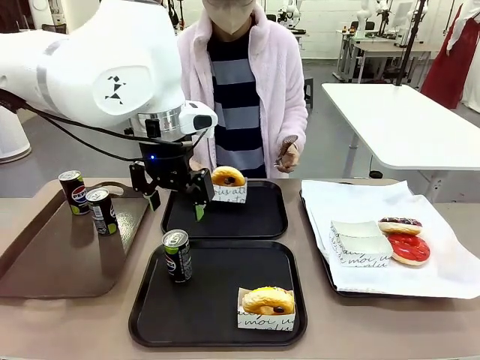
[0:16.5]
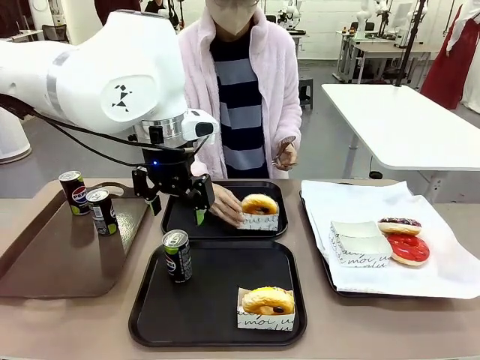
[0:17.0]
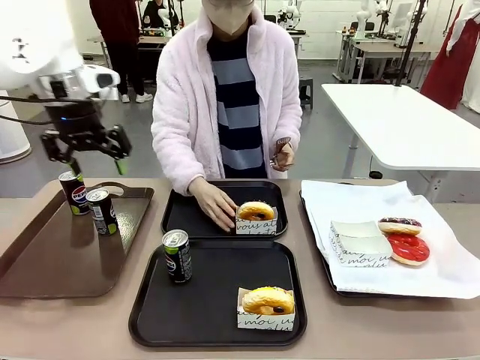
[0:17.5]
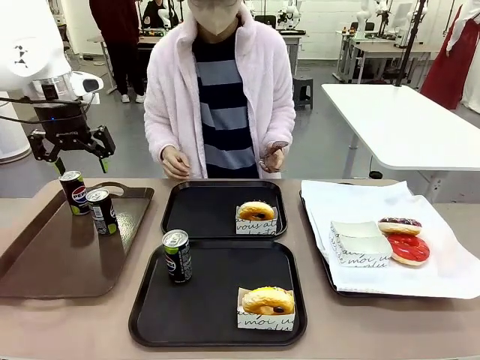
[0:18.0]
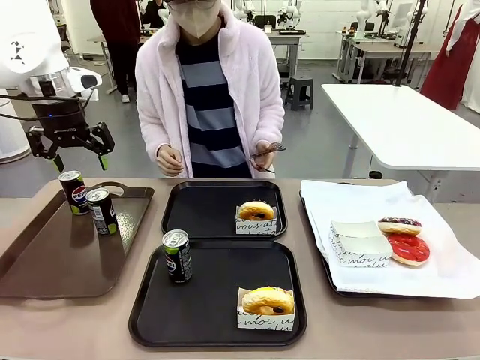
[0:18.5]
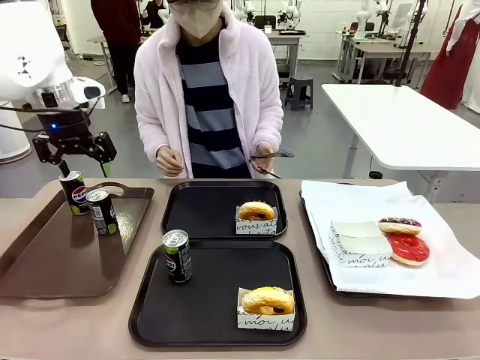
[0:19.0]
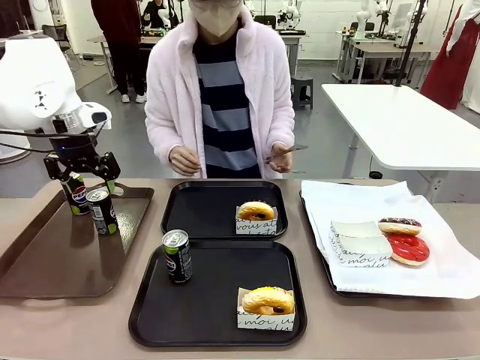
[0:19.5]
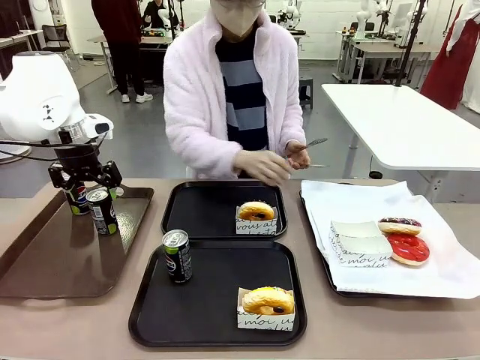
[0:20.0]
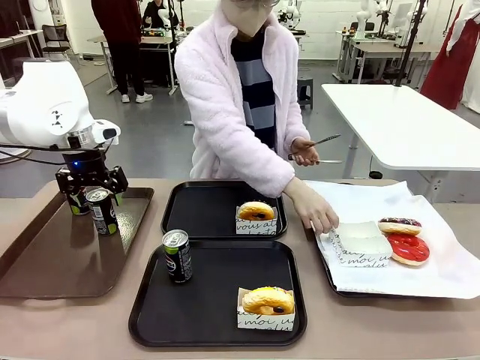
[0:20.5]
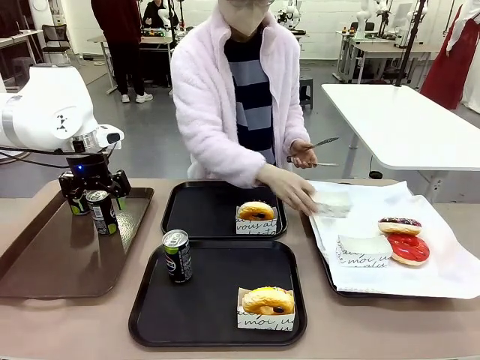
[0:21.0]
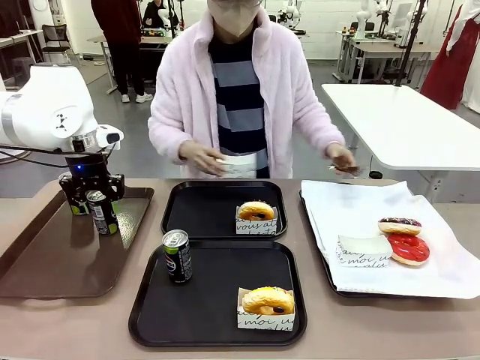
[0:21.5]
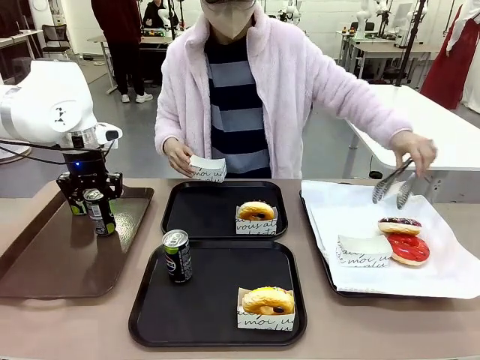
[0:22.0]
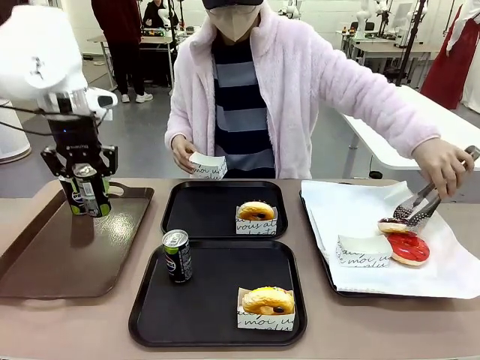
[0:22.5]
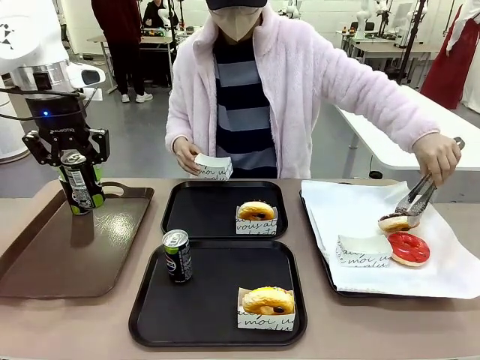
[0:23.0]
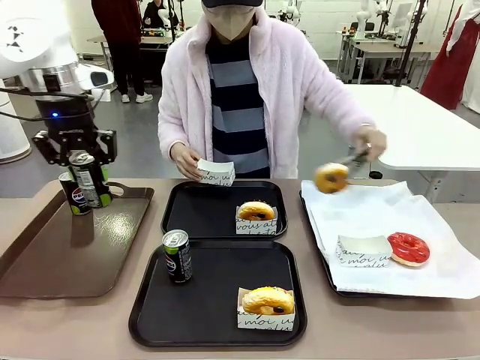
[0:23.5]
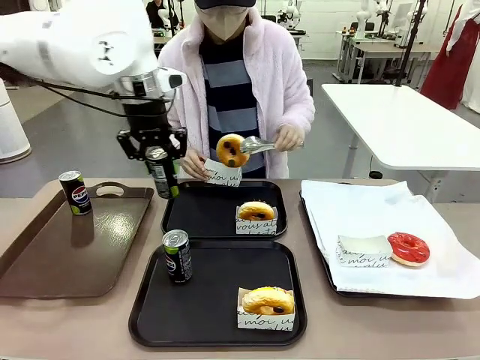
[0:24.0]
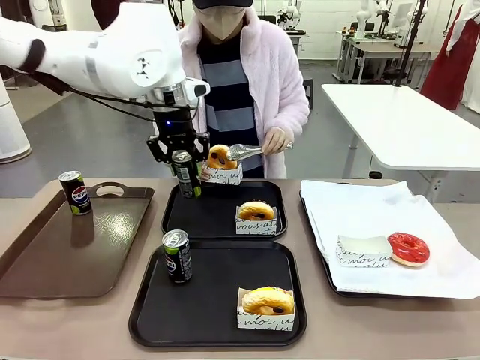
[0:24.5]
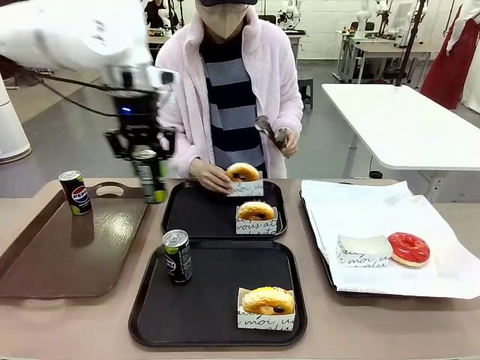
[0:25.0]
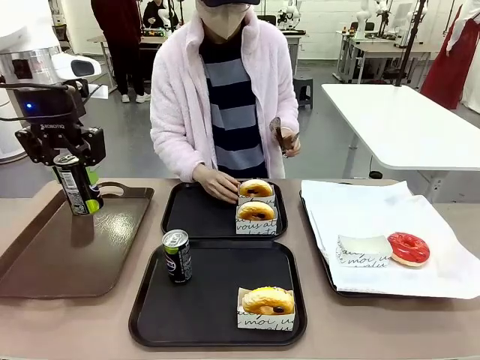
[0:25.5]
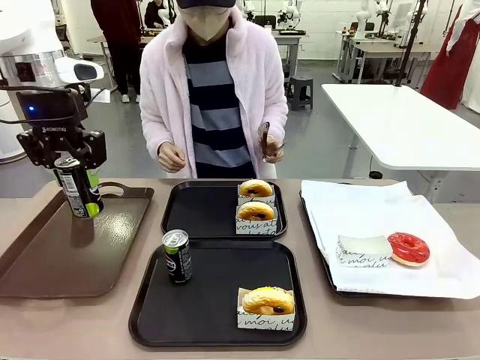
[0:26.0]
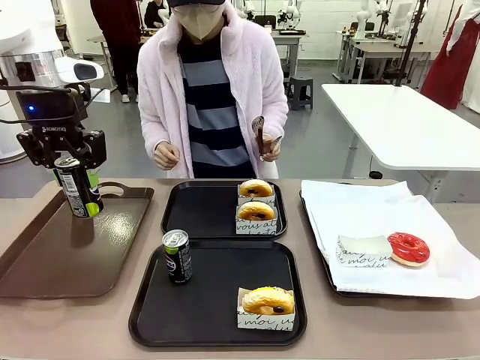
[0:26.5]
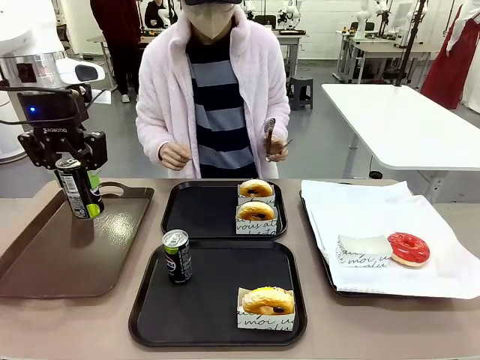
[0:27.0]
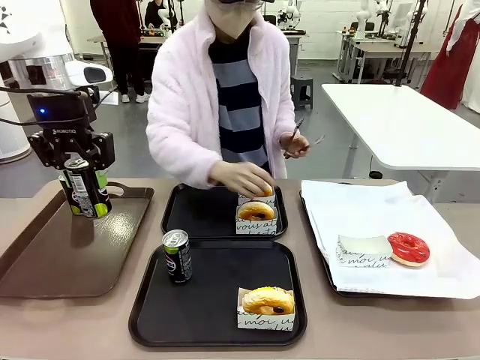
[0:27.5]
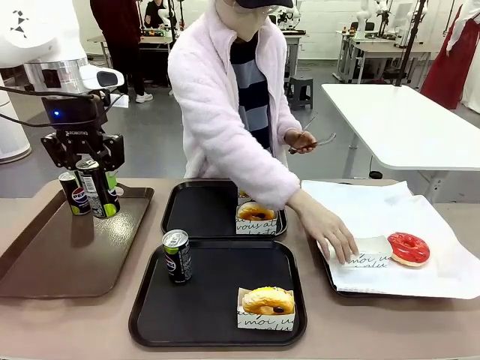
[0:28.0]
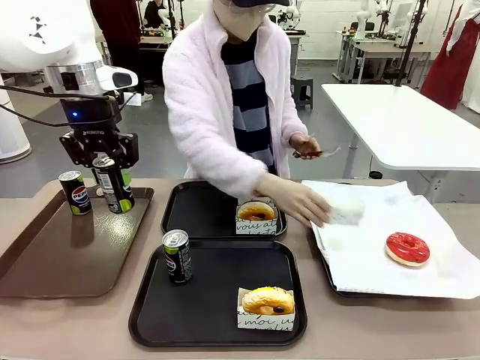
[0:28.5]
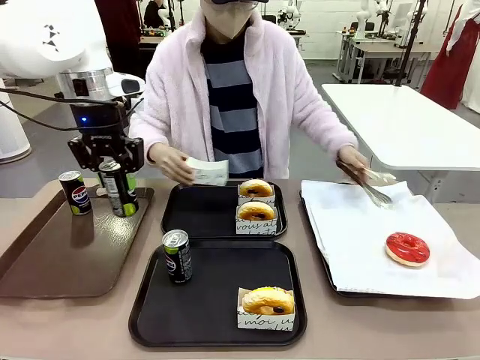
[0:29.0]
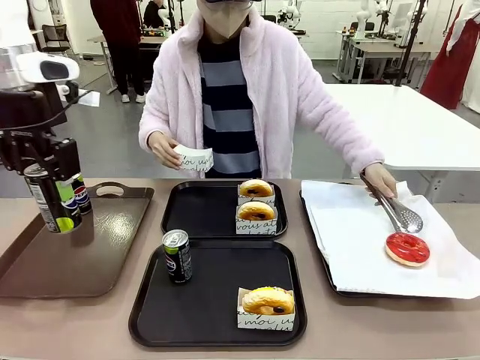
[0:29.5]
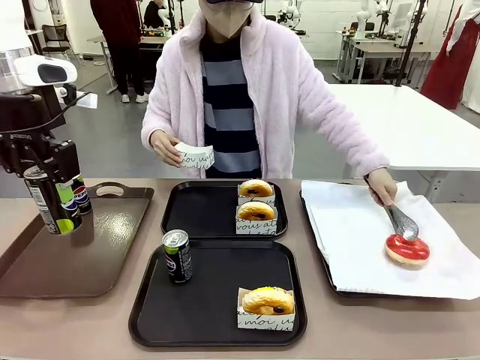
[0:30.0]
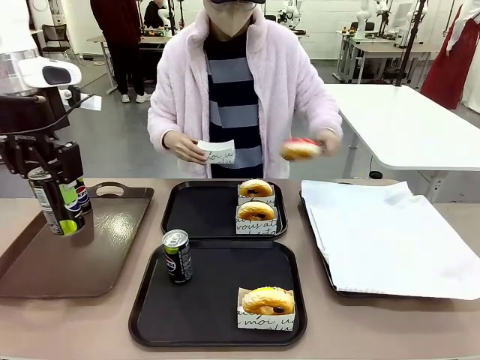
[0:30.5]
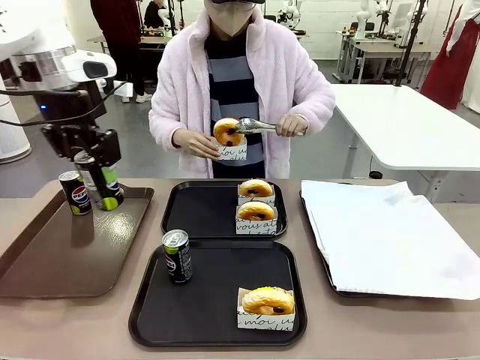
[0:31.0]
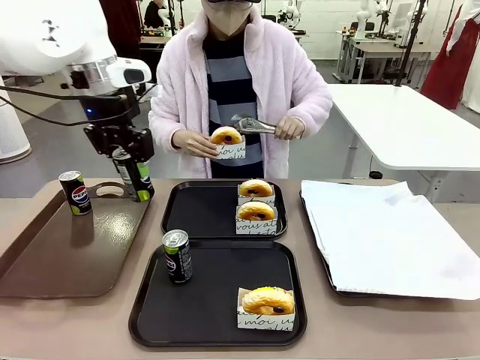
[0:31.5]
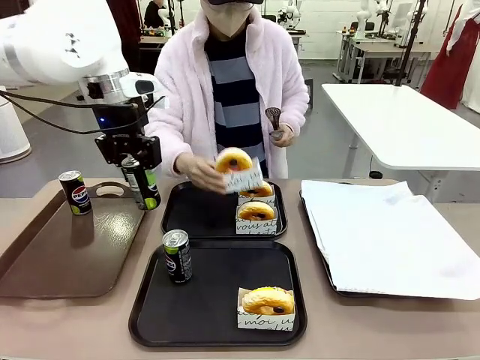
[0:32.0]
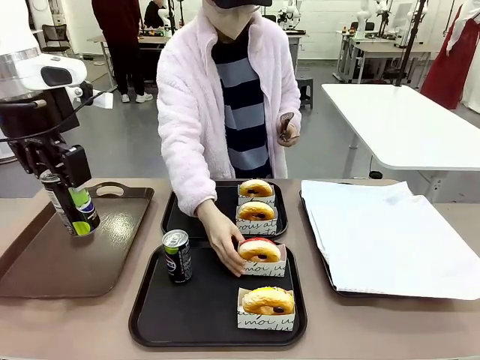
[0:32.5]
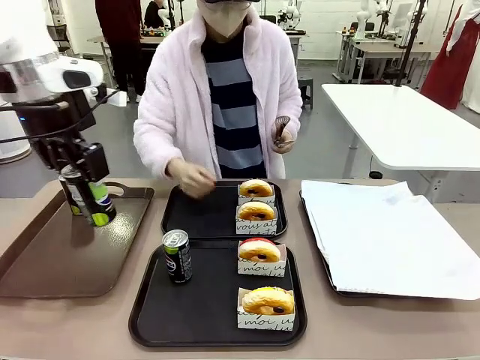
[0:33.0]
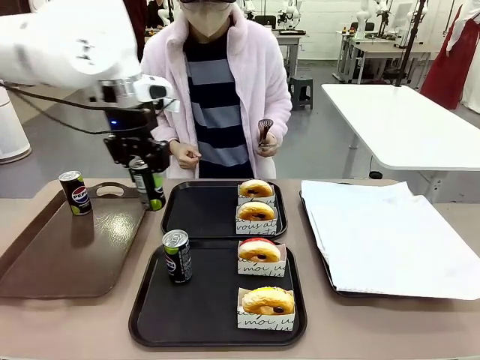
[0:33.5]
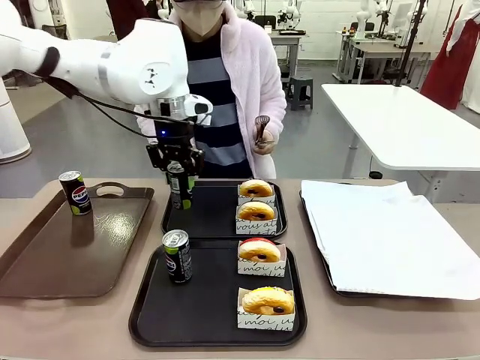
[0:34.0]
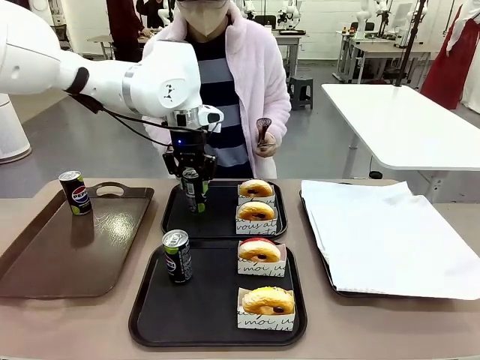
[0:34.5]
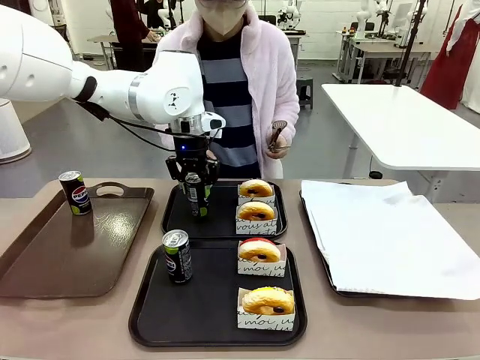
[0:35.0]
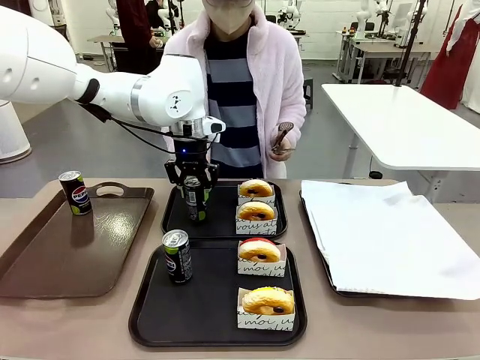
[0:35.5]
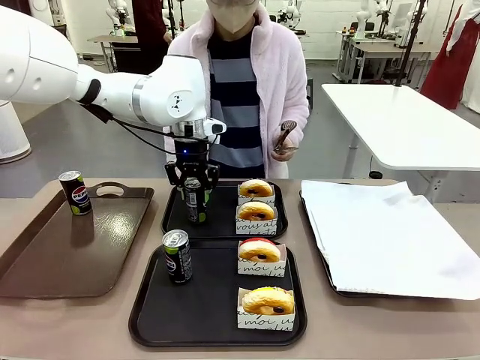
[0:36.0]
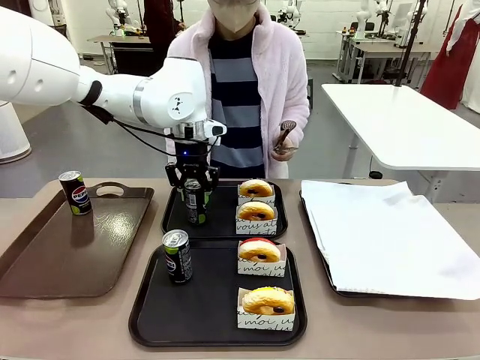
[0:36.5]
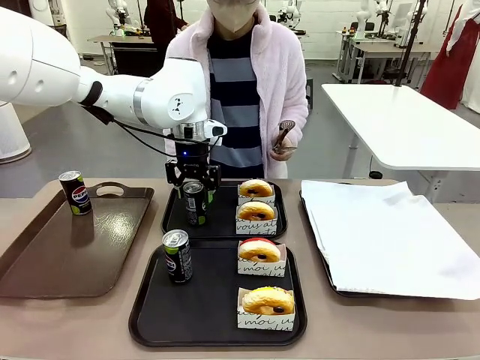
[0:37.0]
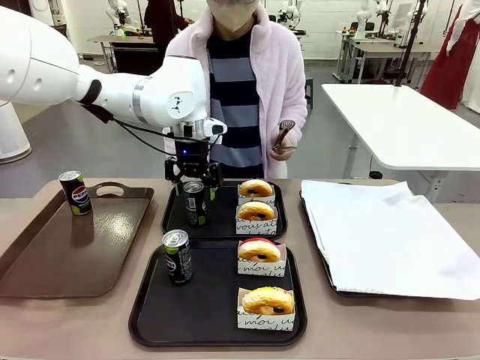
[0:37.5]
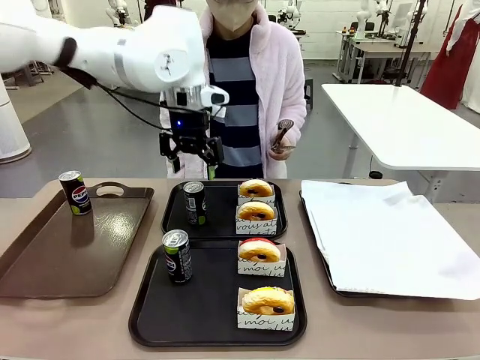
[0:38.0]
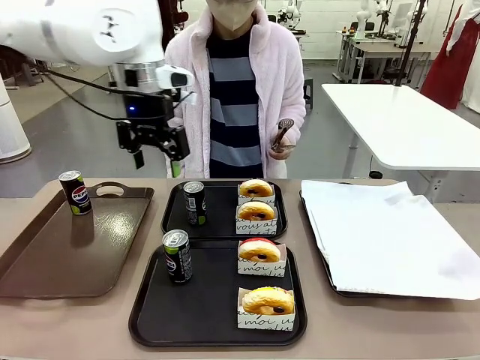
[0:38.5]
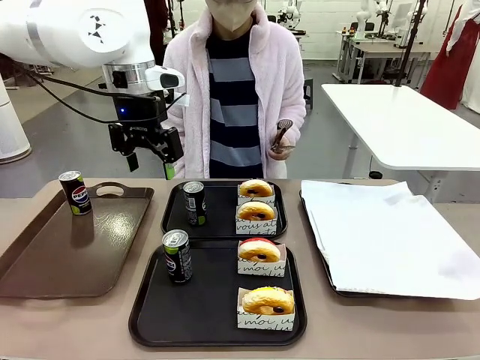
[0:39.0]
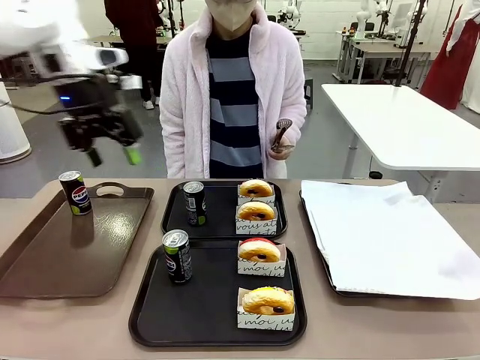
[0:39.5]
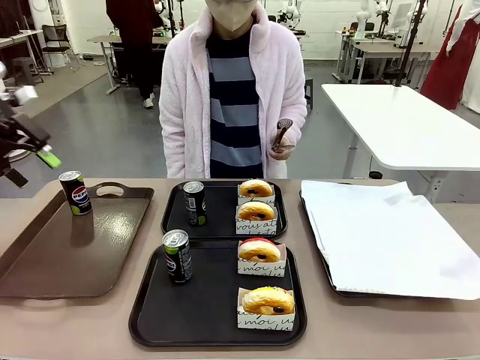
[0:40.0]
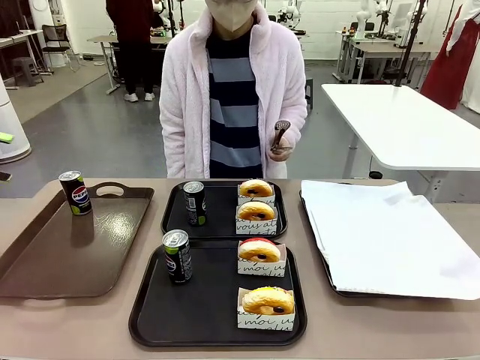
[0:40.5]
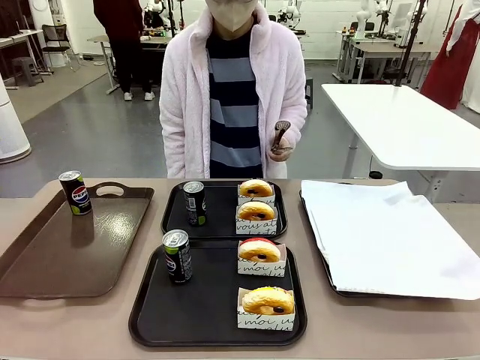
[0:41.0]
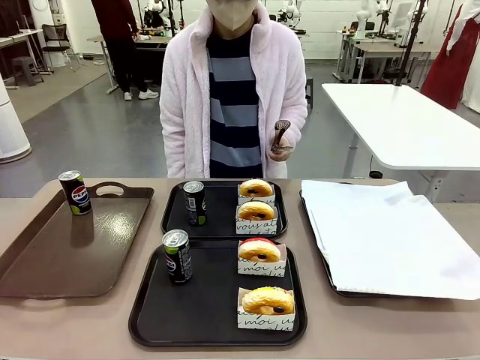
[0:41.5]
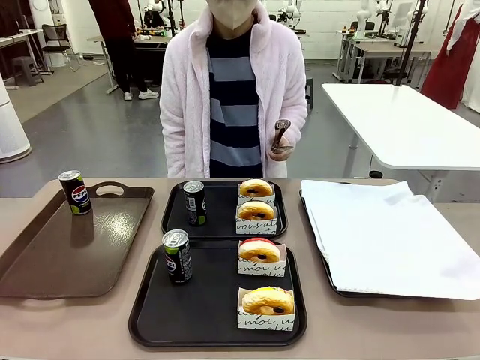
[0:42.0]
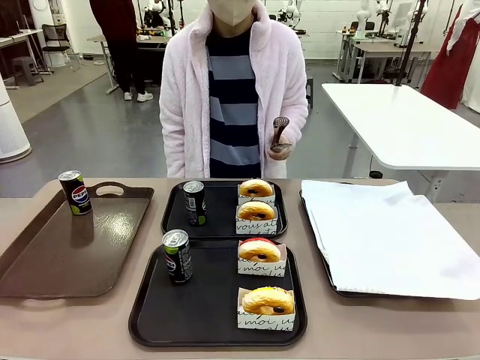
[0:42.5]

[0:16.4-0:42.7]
Task: Set up donuts and drinks on trays.
Robot: Pick up one Pepsi coke from the Handle tray and place it on the Flat Tray without a Pepsi coke.
Person: Pick up one donut with tongs, place it in the donut tray, and then place the donut tray on the flat tray.
